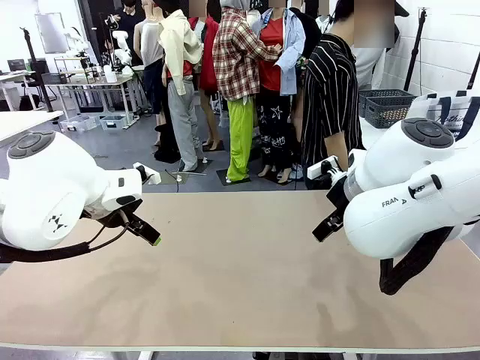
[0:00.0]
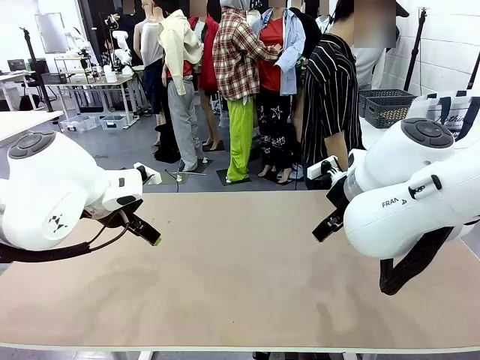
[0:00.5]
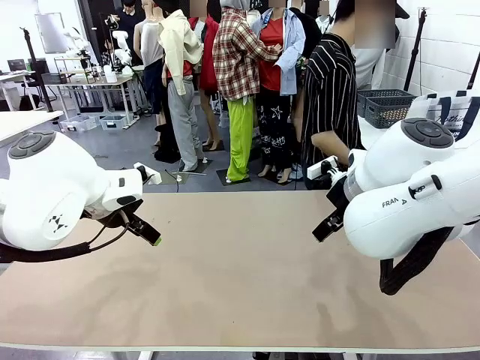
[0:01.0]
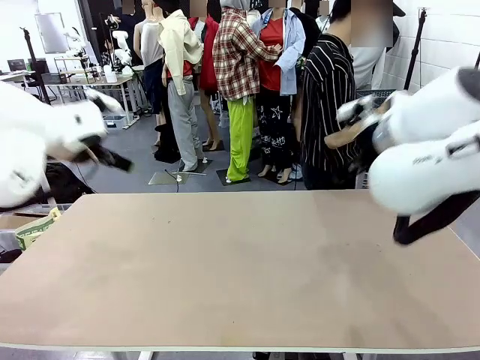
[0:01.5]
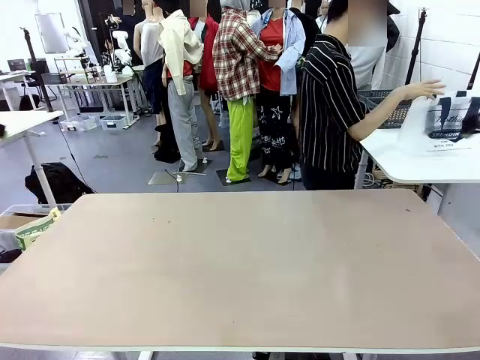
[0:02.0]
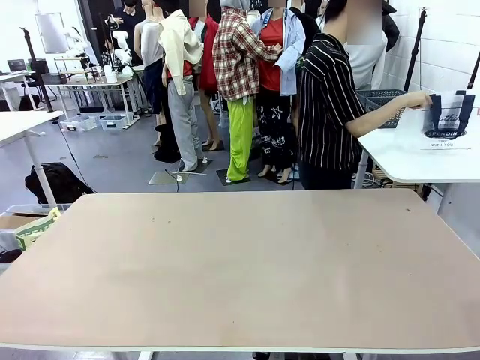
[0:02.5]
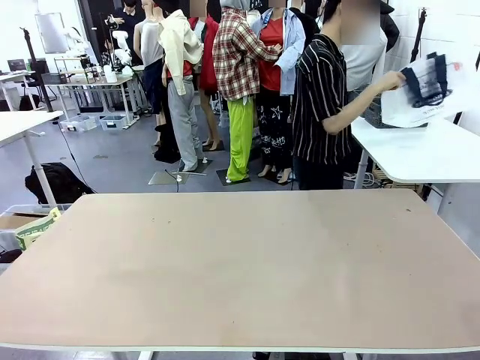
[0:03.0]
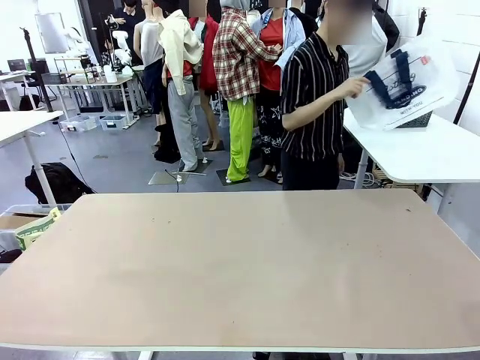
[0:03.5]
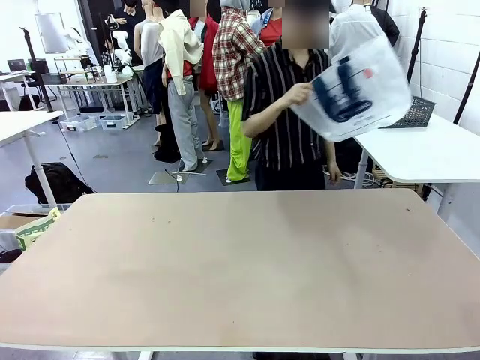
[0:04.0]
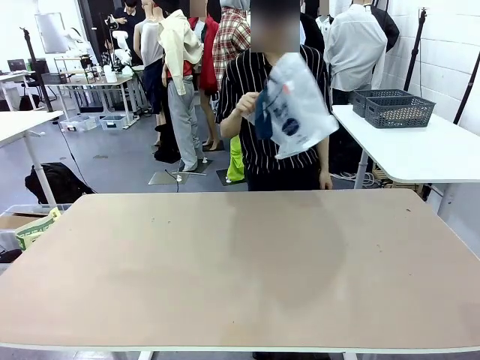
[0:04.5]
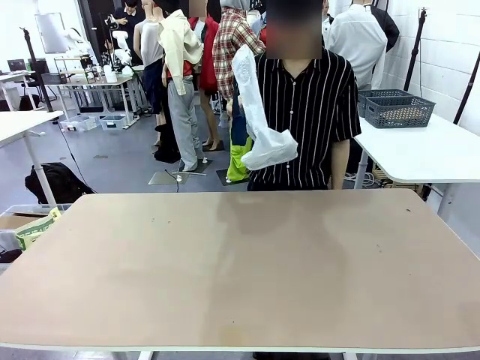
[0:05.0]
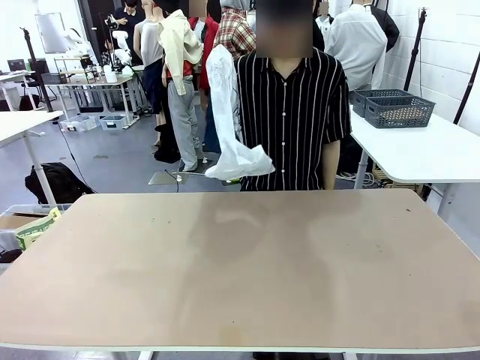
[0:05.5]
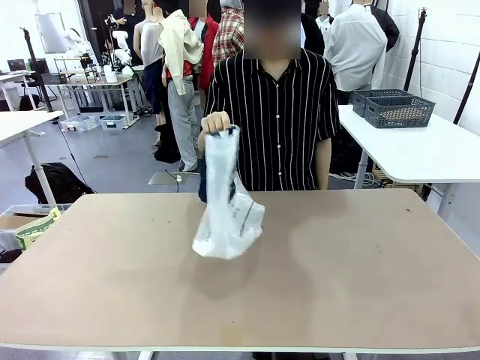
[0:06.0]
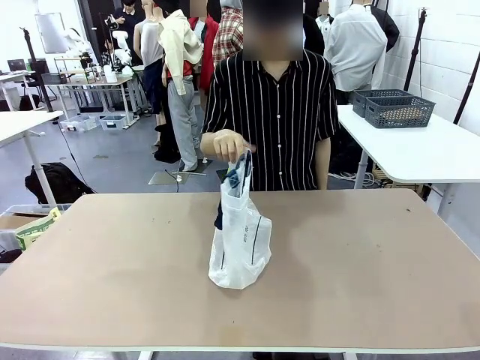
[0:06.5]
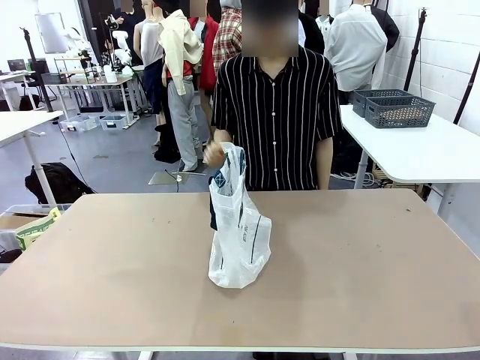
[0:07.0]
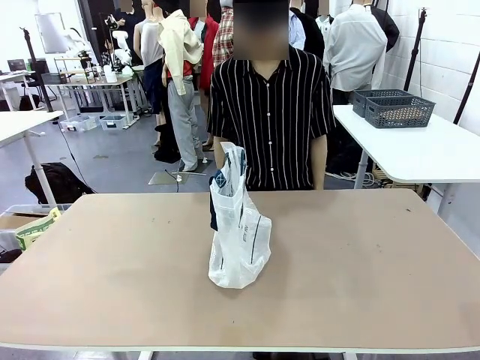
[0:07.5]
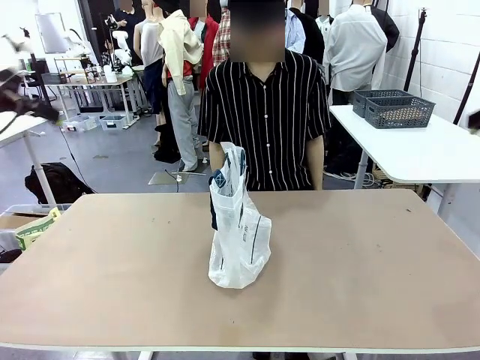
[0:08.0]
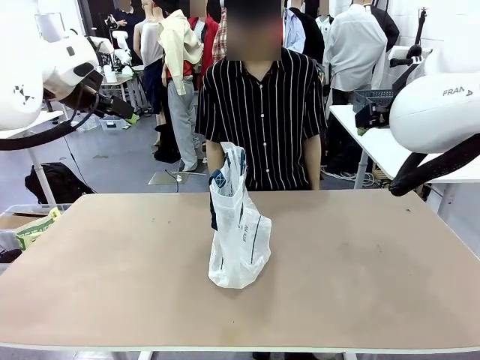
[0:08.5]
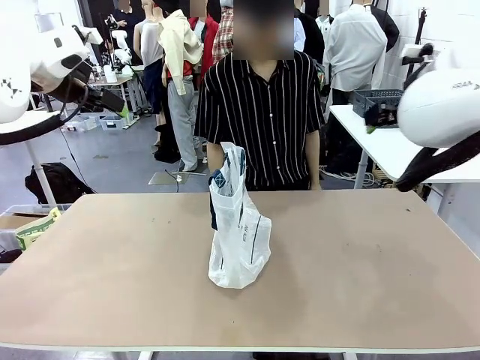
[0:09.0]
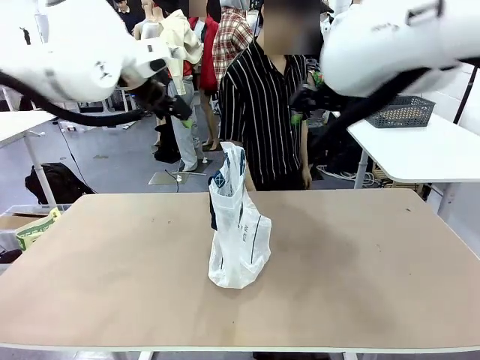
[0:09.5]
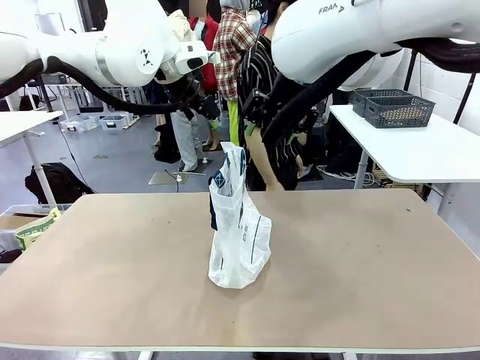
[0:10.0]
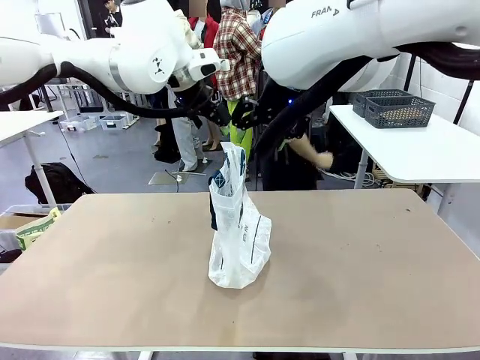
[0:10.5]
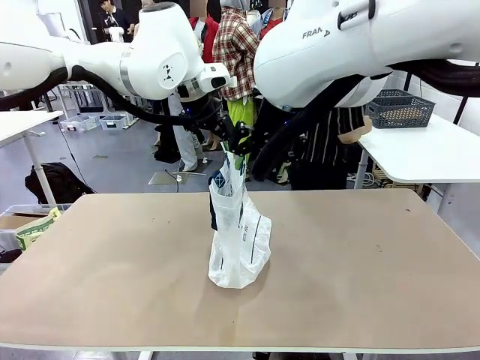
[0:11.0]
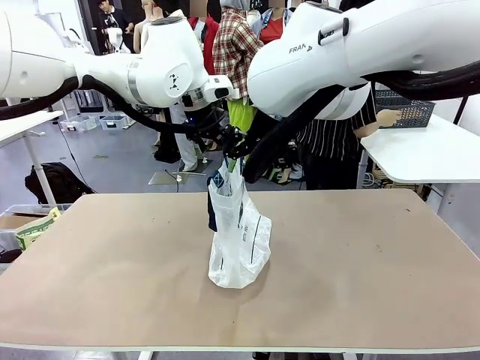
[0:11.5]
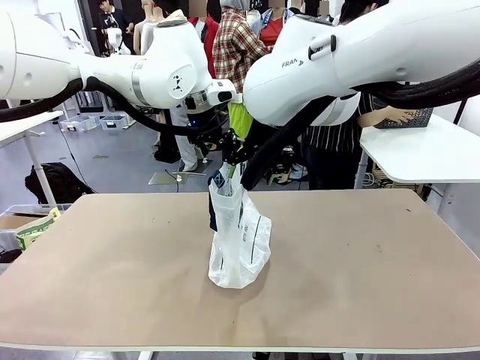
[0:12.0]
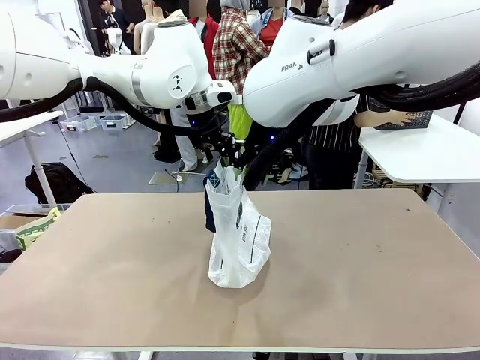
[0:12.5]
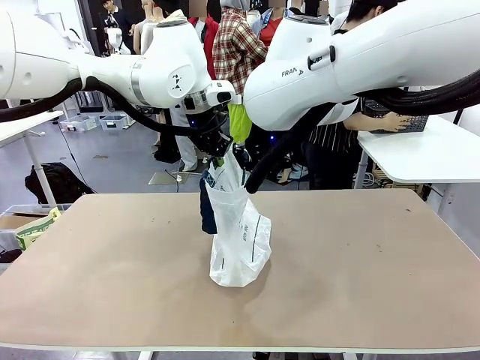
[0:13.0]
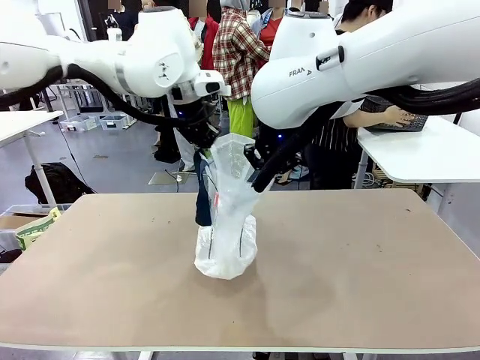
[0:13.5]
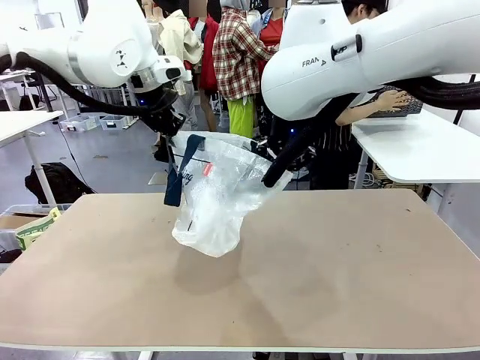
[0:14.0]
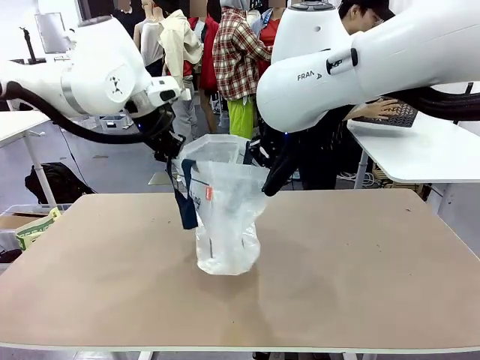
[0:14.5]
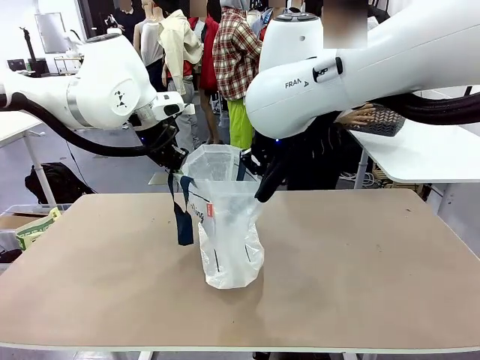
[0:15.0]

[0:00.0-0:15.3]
Task: Transfer purchased items from the store into the shopping bag.
Robot: Open the Reusable shopping bag in the center of the table.
Person: Pick up the shopping bag and place it in the middle of the robot table. Pick up the basket on the right, place it on the left side of the robot table, and move the items in the basket to the shopping bag.

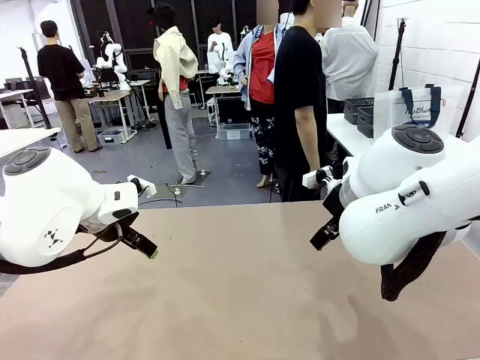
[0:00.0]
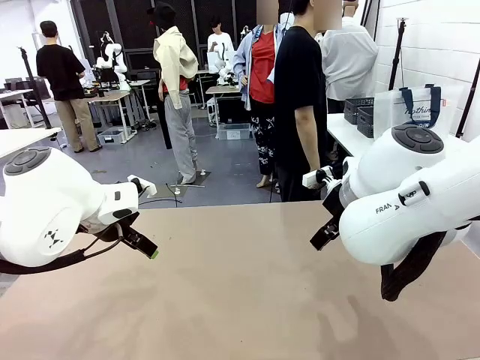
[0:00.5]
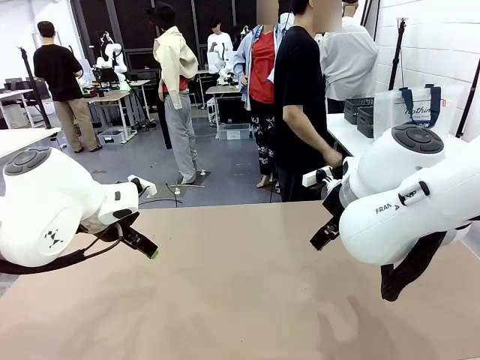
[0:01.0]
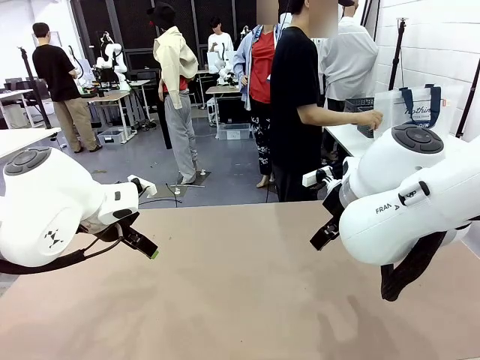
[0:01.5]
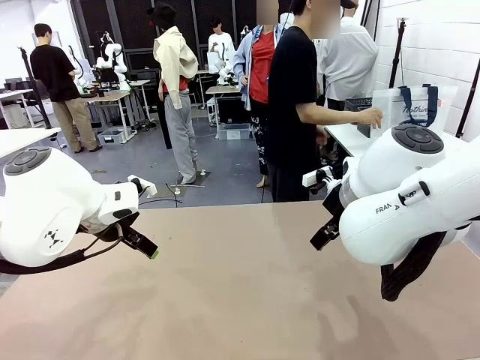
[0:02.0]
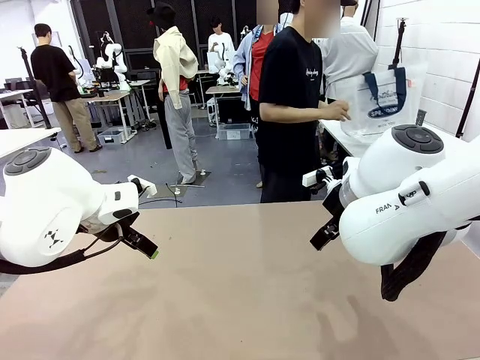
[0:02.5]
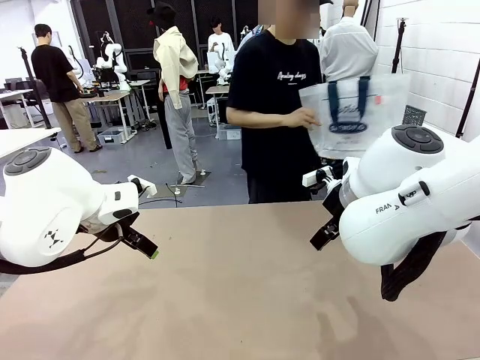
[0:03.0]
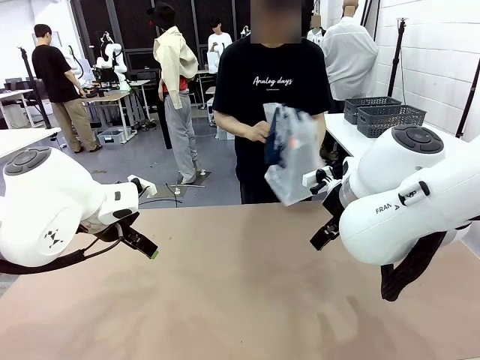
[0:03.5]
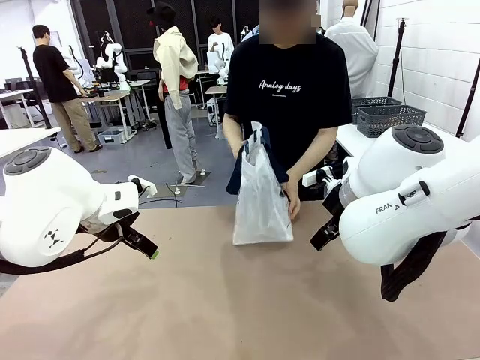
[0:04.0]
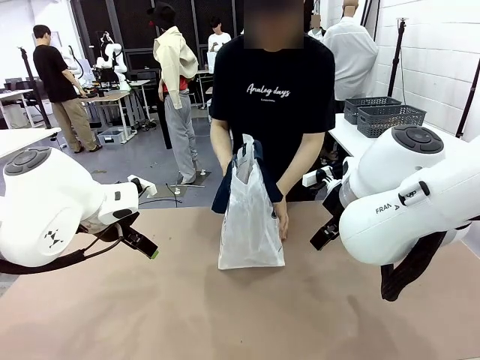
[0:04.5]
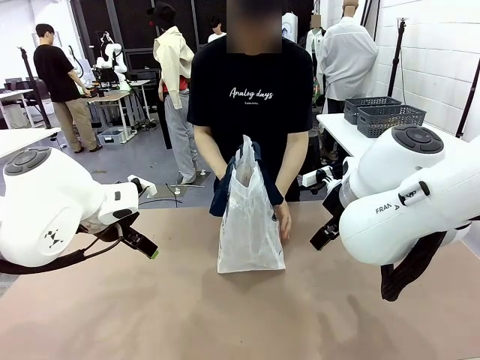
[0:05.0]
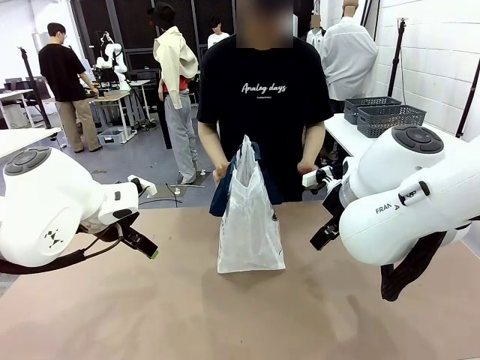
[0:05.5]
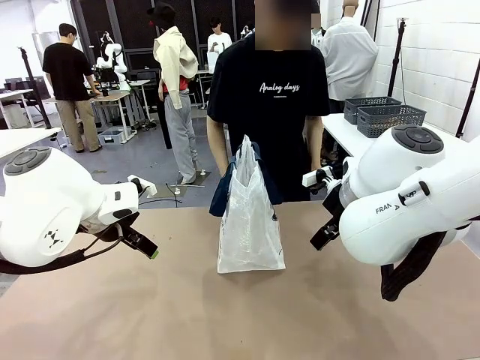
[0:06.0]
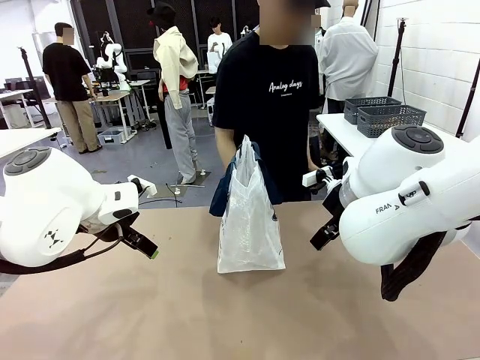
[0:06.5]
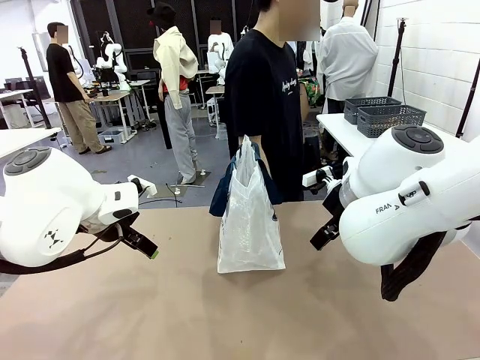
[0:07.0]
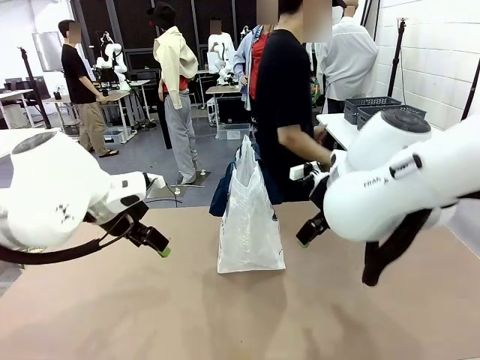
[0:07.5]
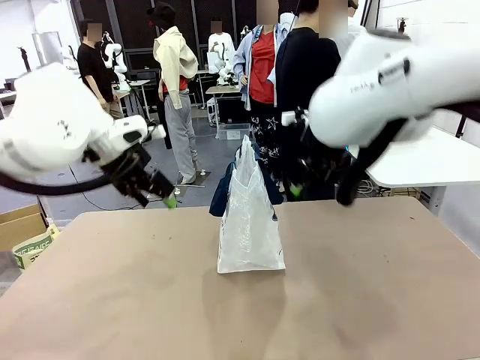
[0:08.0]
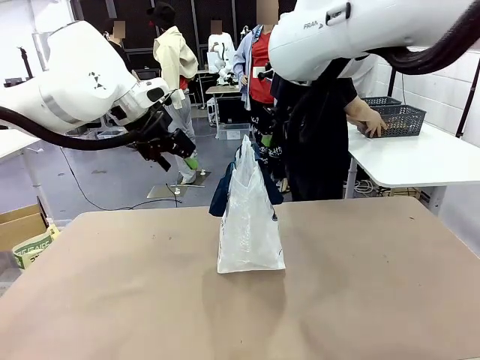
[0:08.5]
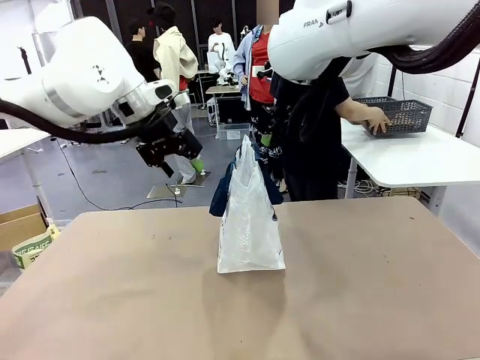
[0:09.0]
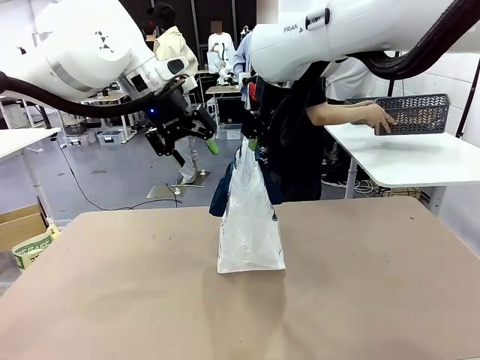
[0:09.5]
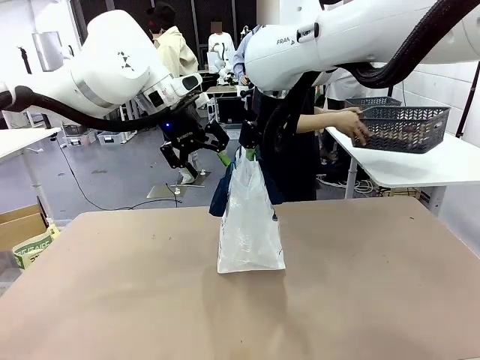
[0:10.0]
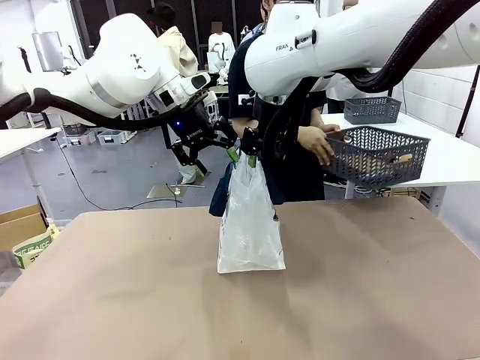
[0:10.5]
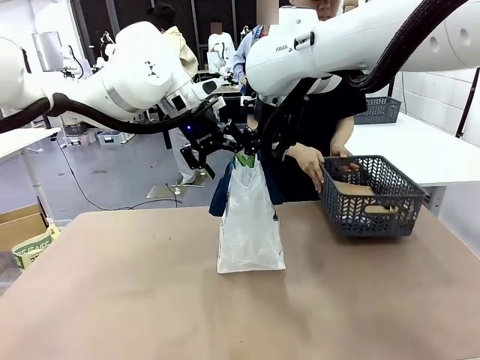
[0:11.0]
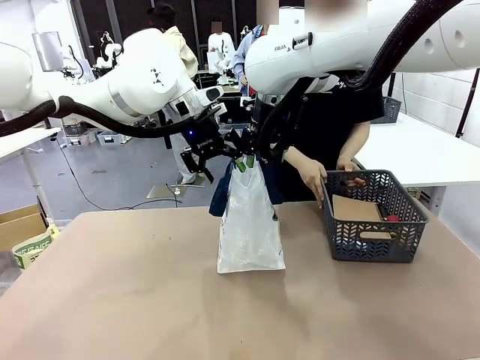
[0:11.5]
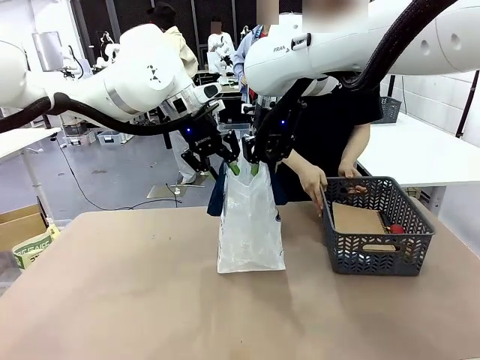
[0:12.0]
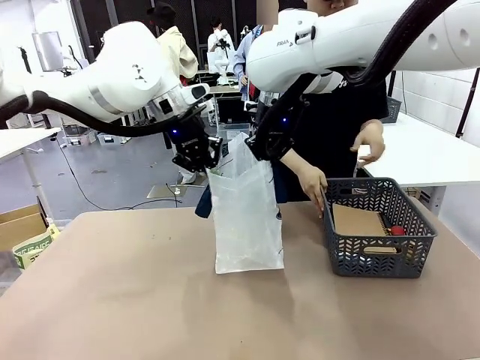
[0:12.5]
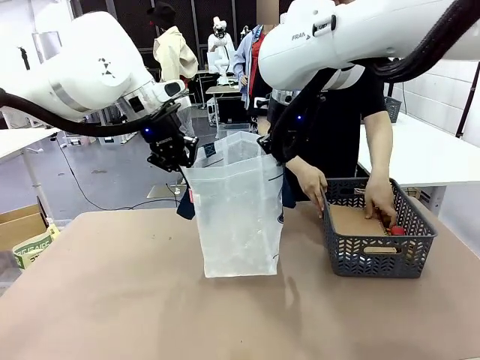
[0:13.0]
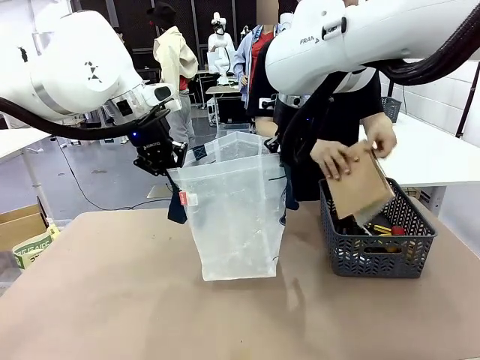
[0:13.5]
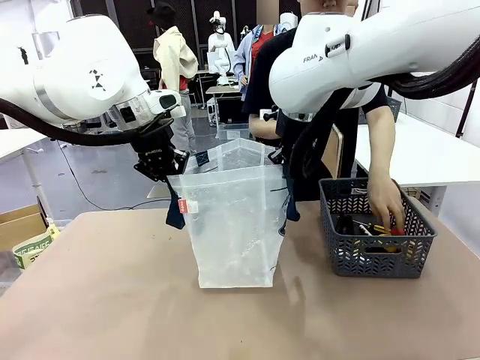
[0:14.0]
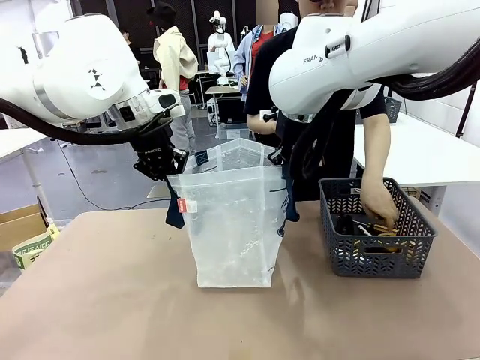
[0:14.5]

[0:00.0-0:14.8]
Task: Transfer purchased items from the store into the shopping bag.
Robot: Open the Reusable shopping bag in the center of the table.
Person: Pick up the shopping bag and place it in the middle of the robot table.
